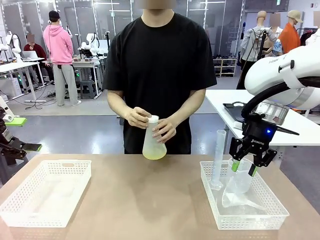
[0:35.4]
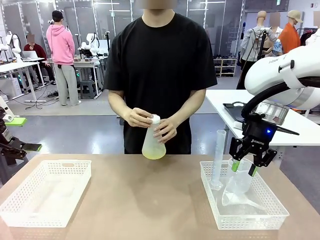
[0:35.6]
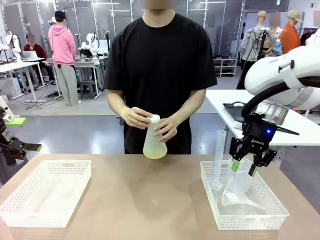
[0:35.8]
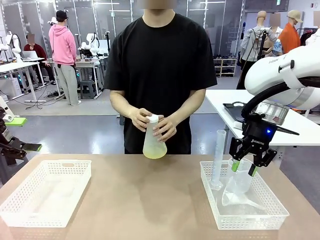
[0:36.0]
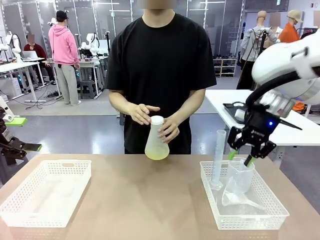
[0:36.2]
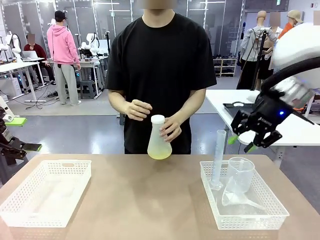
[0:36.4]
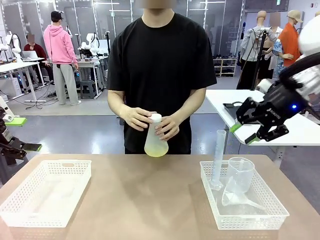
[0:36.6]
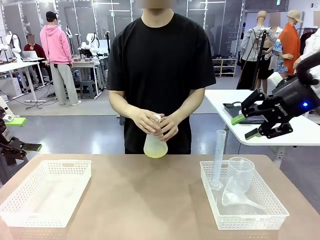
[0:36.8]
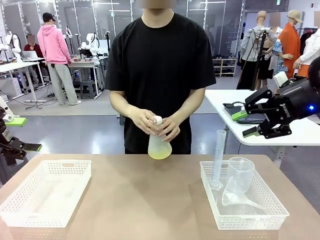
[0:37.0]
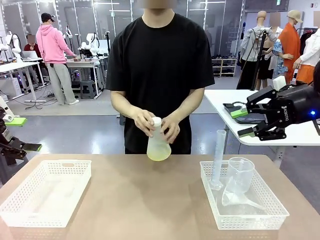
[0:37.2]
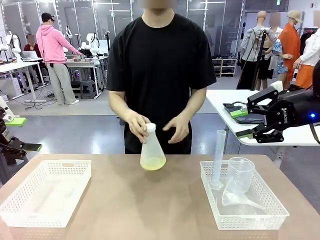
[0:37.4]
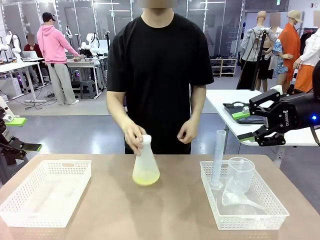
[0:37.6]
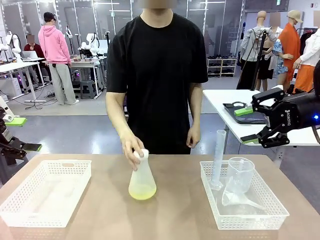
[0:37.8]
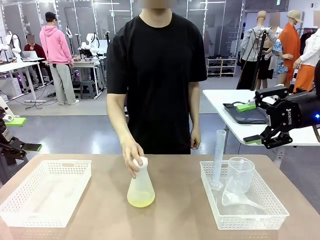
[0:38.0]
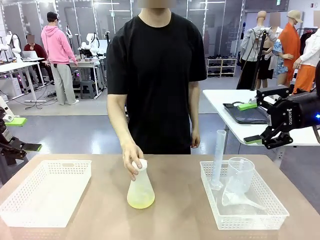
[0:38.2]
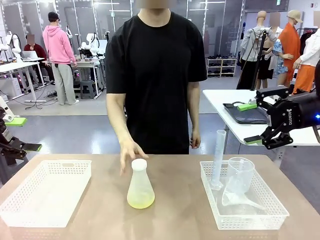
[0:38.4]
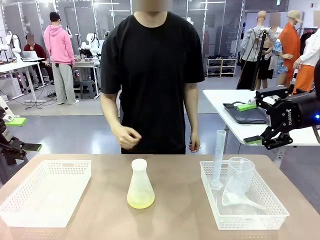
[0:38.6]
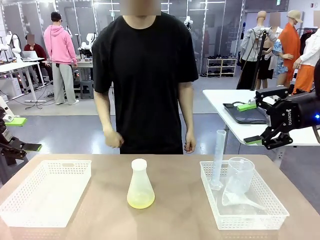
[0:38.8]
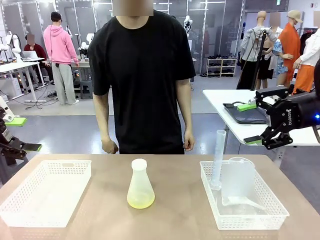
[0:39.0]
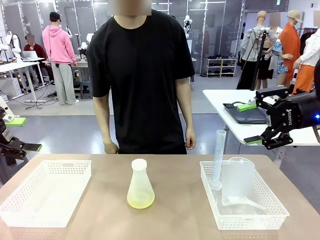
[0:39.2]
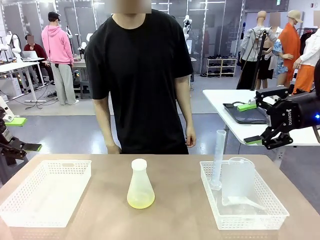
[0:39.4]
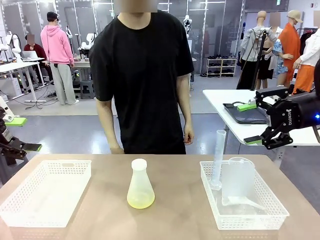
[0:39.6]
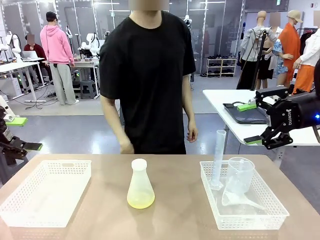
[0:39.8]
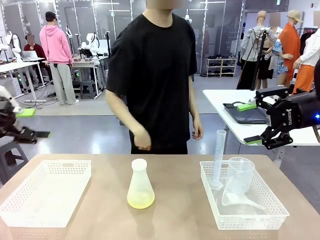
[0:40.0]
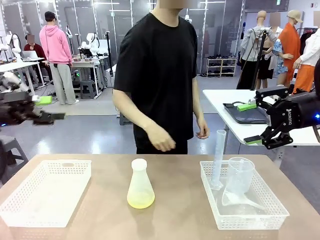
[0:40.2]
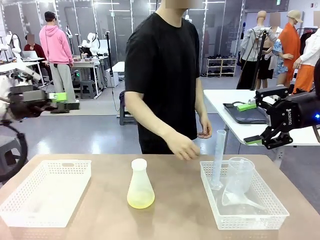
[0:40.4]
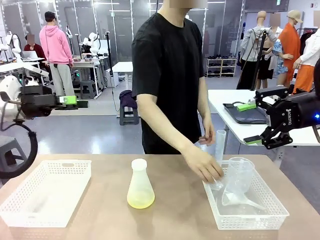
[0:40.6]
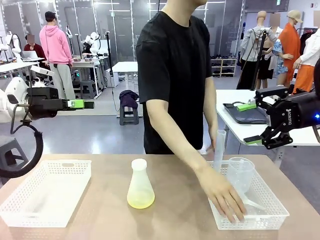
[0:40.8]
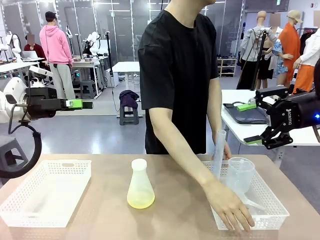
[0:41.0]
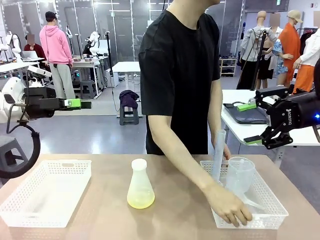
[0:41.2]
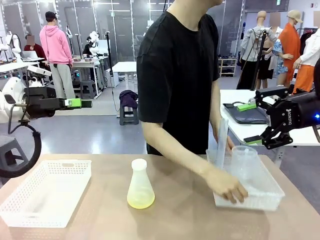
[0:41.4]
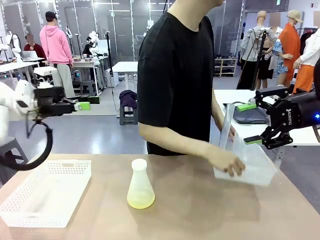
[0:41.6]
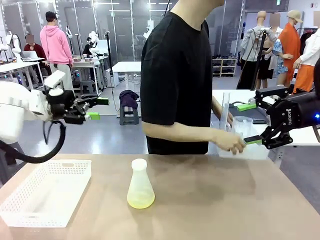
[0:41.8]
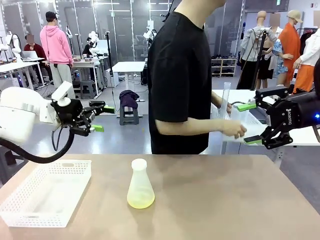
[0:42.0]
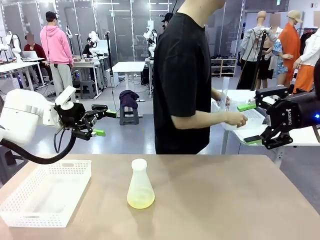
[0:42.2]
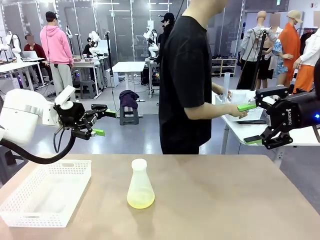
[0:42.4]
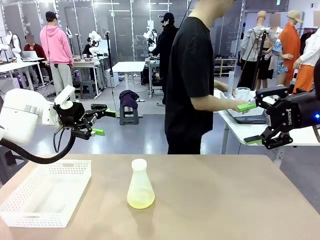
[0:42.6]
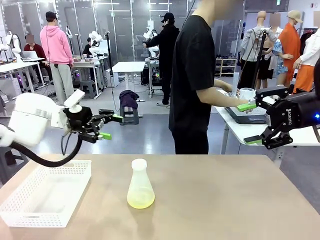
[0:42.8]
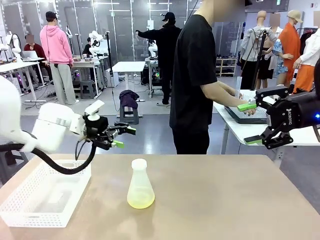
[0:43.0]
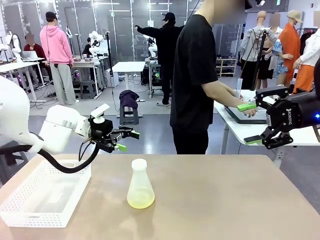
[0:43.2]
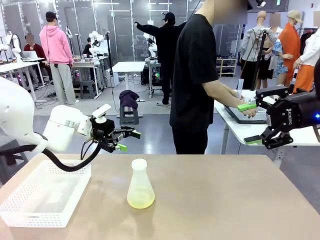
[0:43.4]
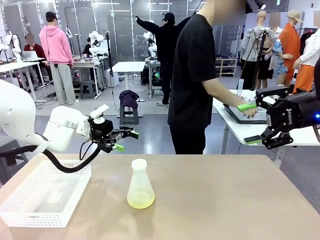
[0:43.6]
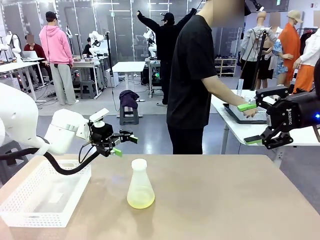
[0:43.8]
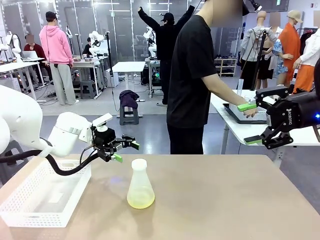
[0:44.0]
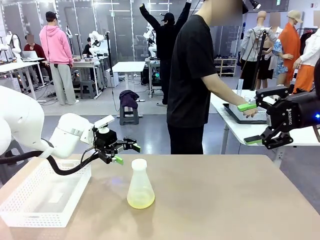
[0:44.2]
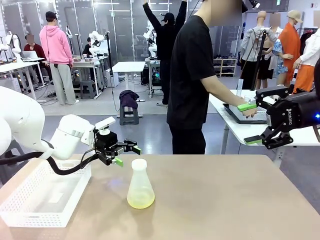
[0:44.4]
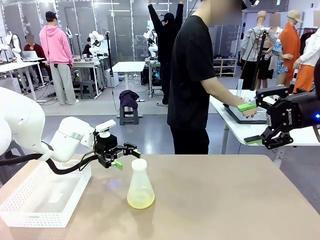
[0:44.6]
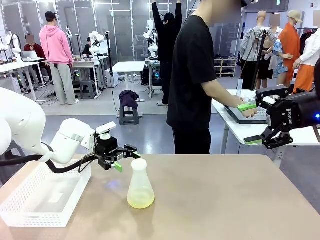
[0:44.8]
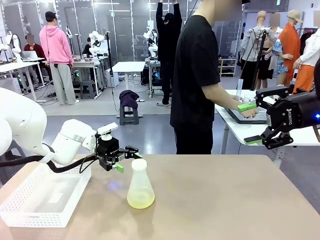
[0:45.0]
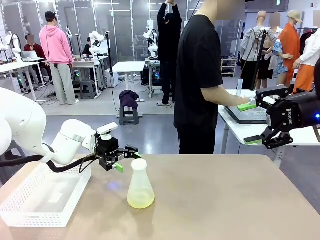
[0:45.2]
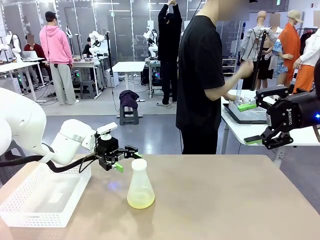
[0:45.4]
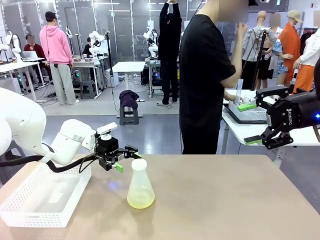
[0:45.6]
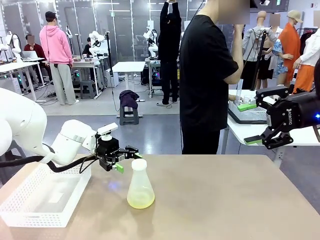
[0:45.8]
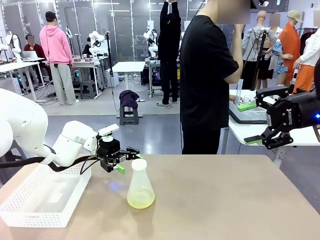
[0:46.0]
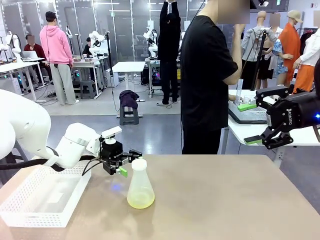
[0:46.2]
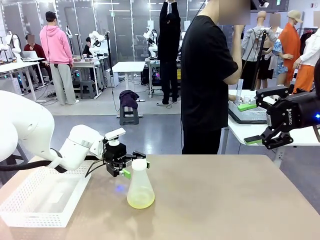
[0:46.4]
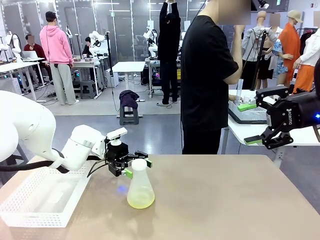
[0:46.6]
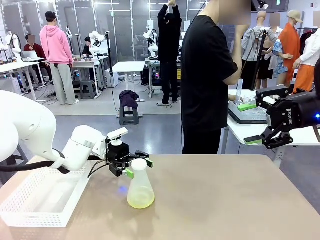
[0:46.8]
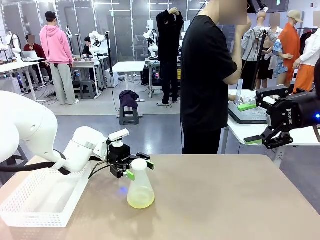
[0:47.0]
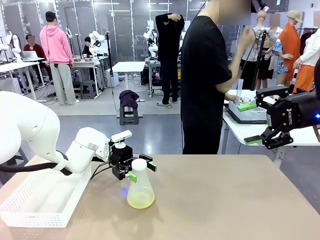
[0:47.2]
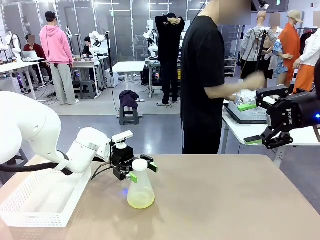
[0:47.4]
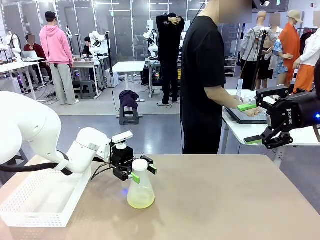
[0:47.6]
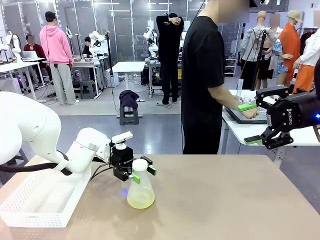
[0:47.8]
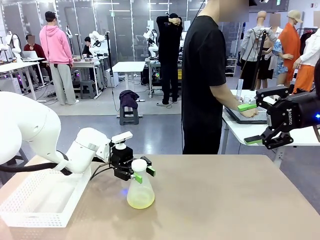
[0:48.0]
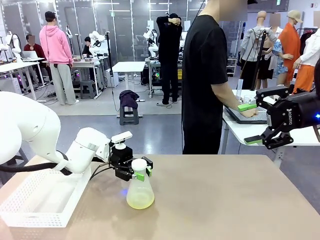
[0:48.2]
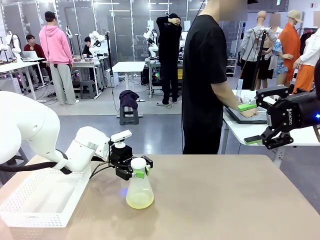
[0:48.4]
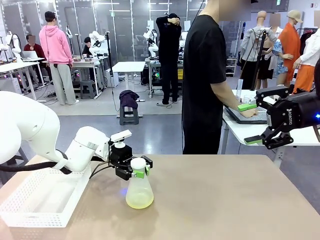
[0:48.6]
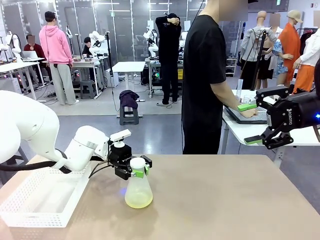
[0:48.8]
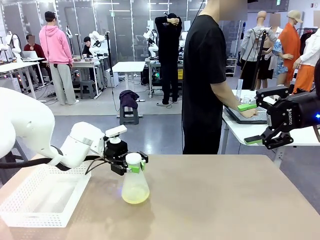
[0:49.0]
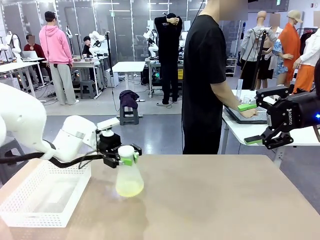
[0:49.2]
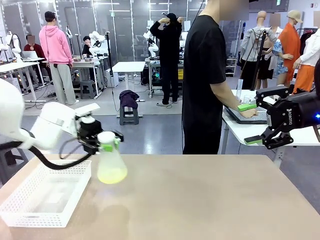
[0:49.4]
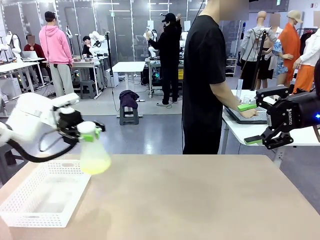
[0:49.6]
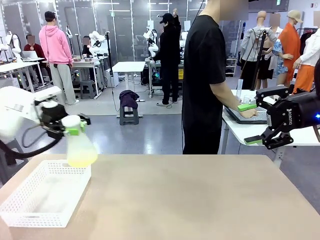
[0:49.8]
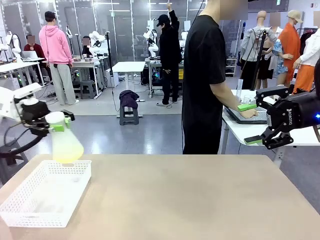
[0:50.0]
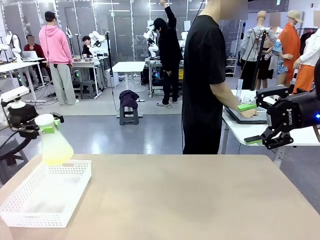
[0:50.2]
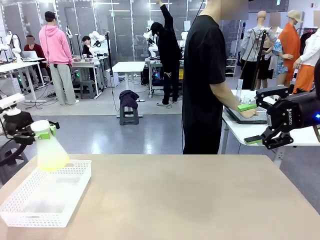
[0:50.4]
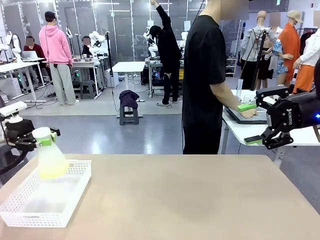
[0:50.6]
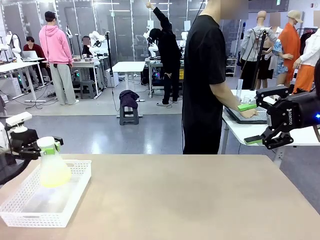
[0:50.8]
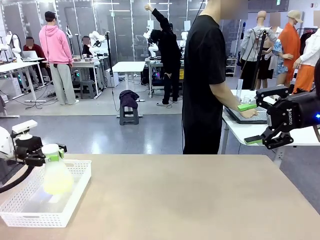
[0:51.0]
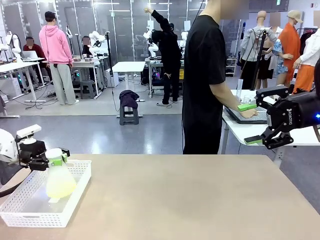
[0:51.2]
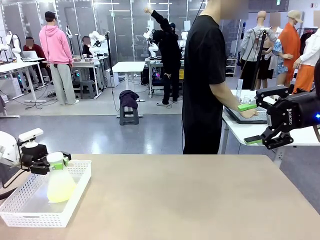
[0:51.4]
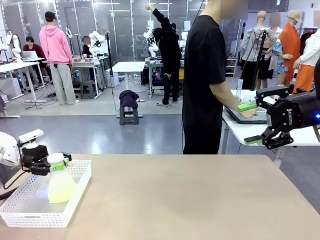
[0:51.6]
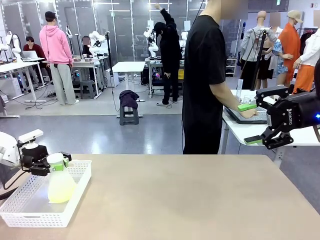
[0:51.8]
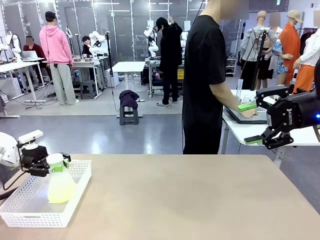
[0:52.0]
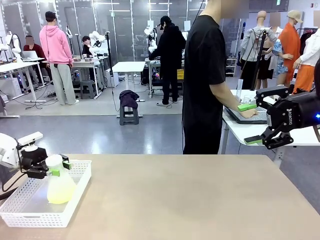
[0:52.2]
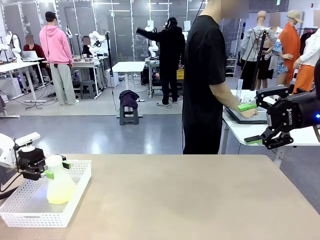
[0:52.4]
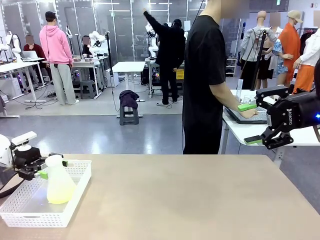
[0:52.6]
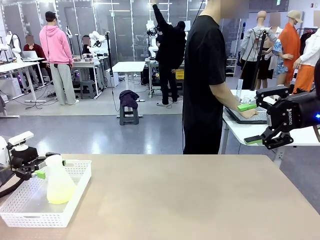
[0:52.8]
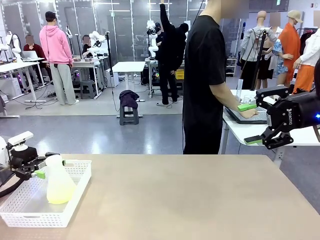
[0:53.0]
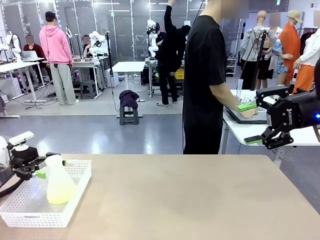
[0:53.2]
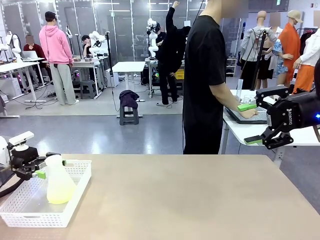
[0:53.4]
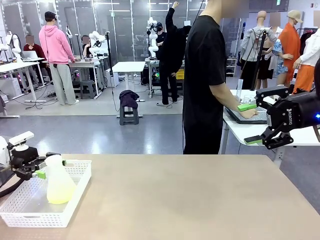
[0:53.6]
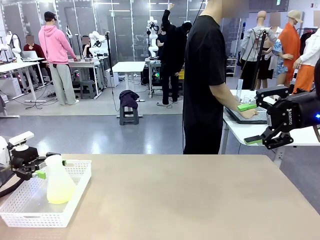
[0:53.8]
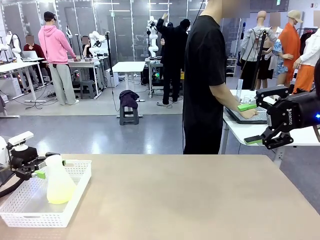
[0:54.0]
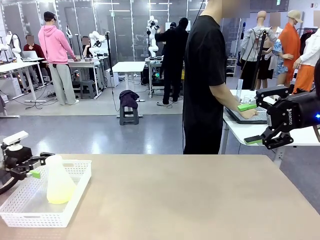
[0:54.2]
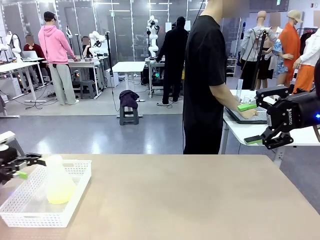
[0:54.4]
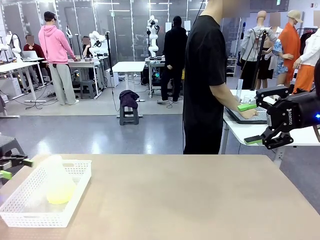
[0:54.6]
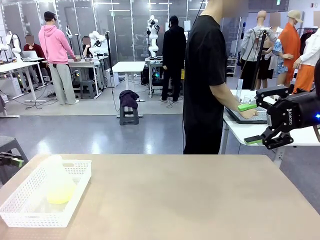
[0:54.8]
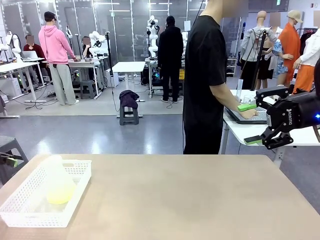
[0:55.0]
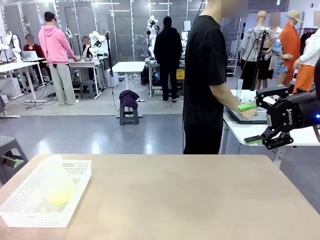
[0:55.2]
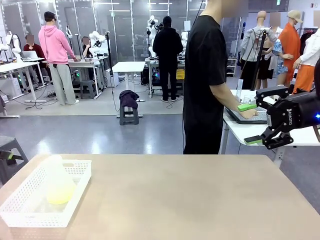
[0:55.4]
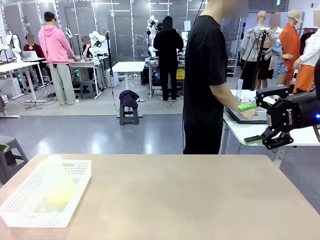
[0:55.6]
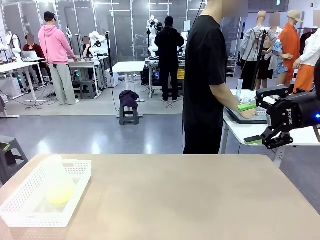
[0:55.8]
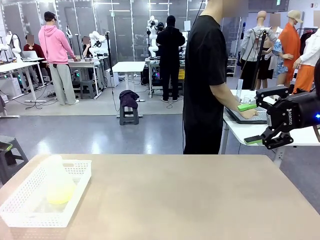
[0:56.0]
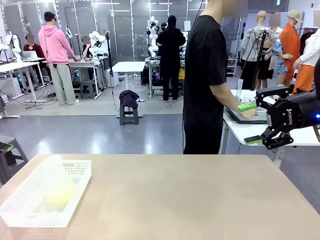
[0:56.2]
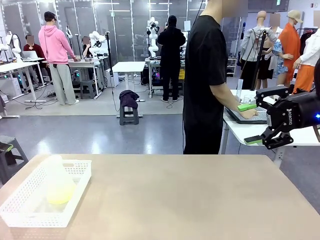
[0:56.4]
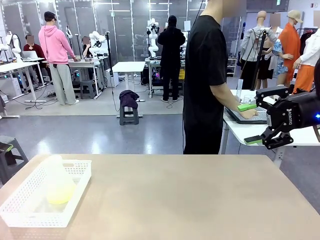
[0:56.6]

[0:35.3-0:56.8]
Task: Prepare the solutions needed for the experiment.
Robot: When the human places the Big flask in the center of the table, pick up the Big flask and place it in the left Organizing basket.
Person: Pick up the organizing basket on the left side of the robot table and place it on the left side of the human table.
